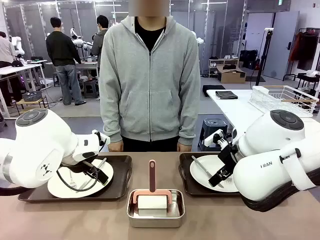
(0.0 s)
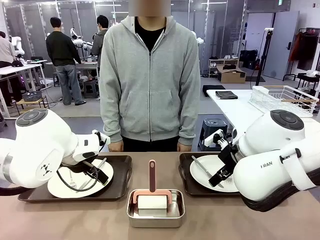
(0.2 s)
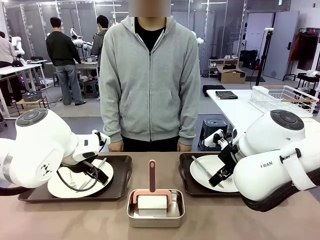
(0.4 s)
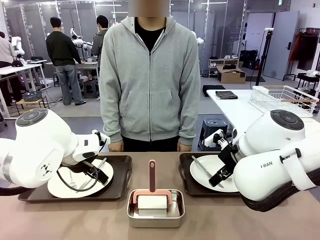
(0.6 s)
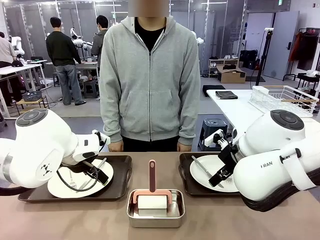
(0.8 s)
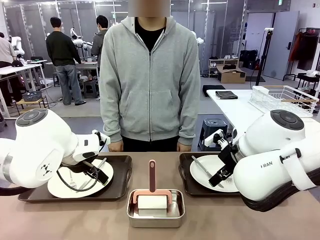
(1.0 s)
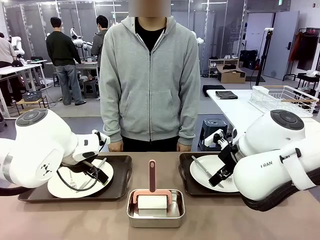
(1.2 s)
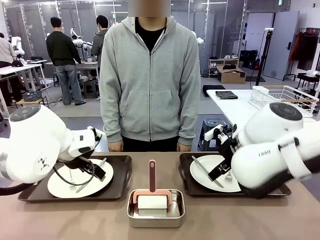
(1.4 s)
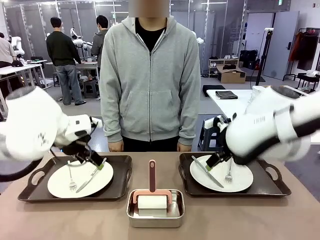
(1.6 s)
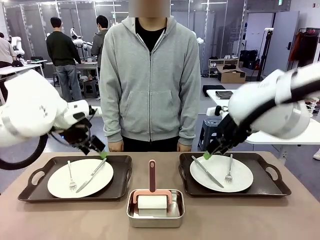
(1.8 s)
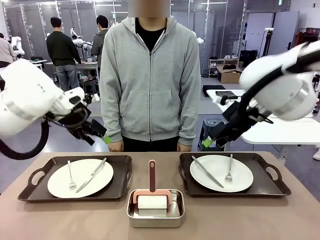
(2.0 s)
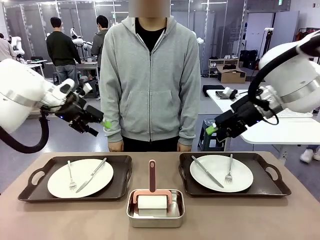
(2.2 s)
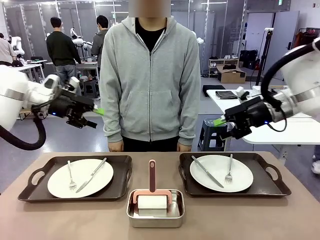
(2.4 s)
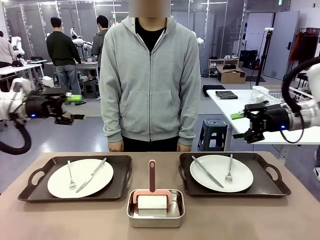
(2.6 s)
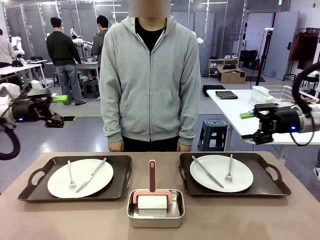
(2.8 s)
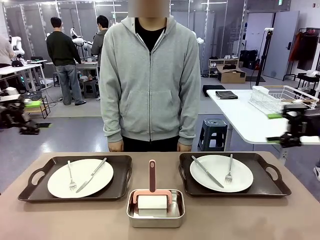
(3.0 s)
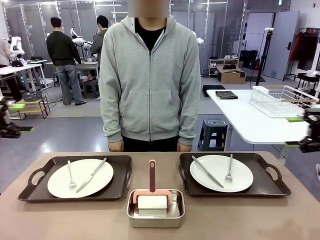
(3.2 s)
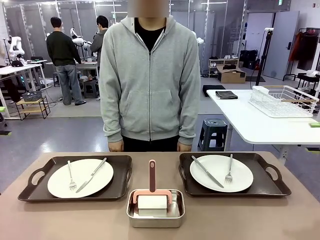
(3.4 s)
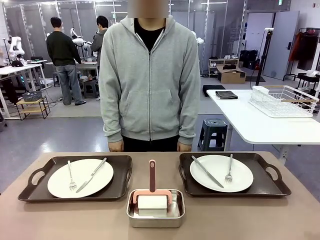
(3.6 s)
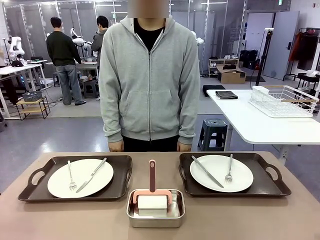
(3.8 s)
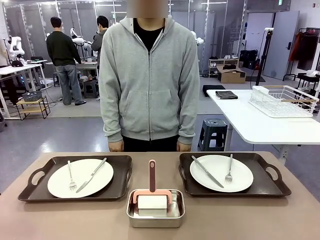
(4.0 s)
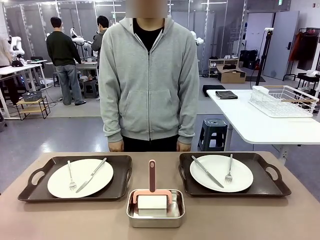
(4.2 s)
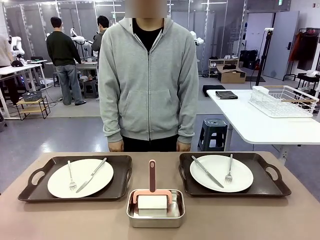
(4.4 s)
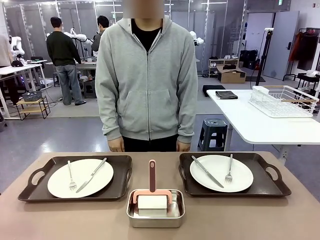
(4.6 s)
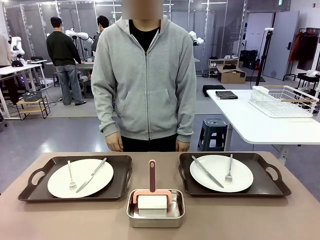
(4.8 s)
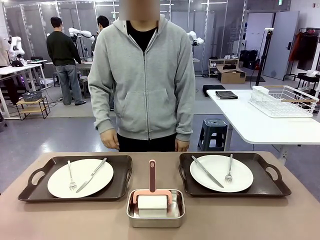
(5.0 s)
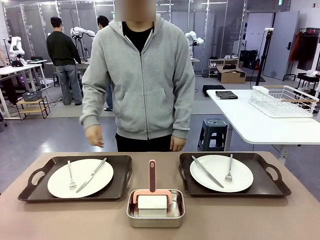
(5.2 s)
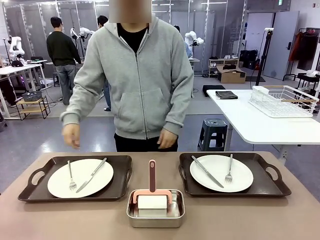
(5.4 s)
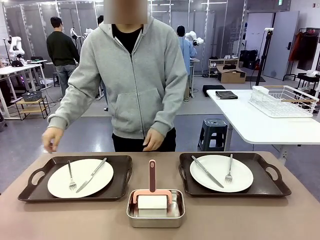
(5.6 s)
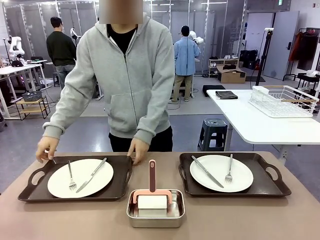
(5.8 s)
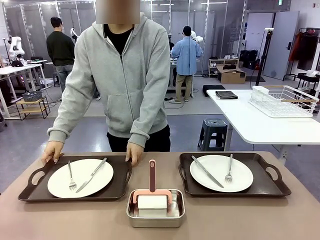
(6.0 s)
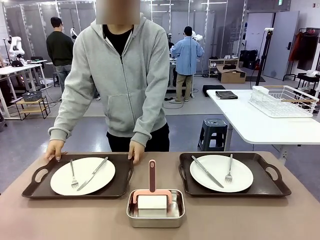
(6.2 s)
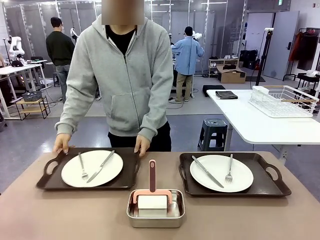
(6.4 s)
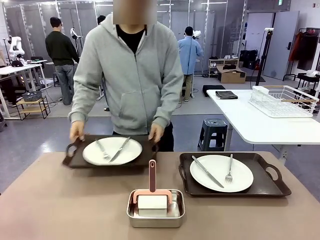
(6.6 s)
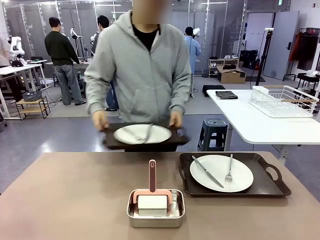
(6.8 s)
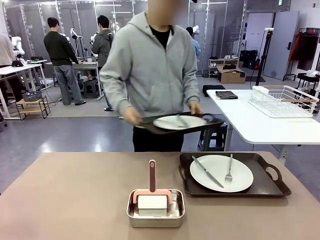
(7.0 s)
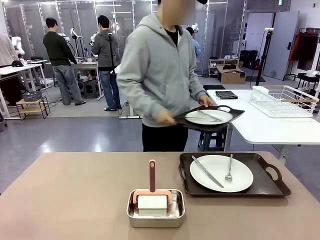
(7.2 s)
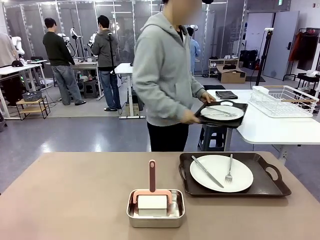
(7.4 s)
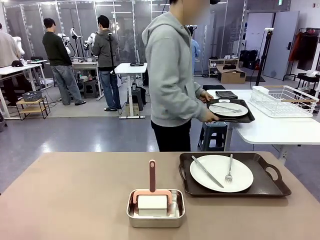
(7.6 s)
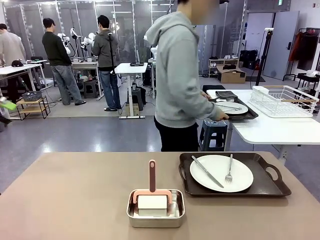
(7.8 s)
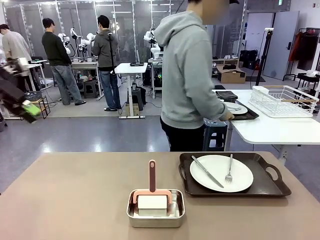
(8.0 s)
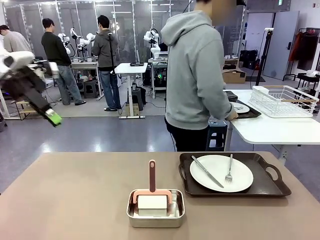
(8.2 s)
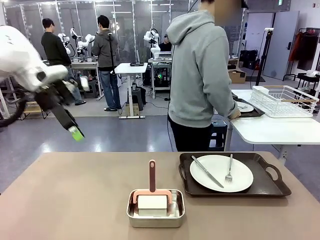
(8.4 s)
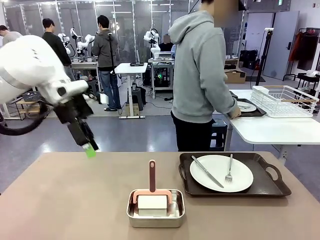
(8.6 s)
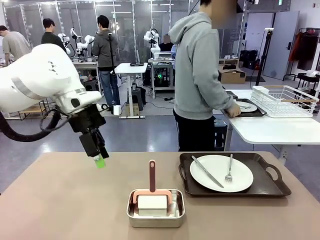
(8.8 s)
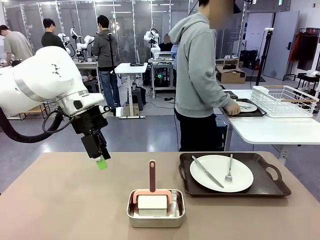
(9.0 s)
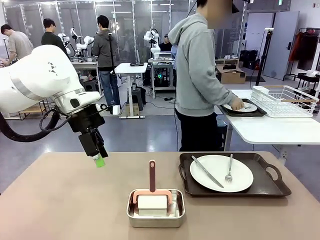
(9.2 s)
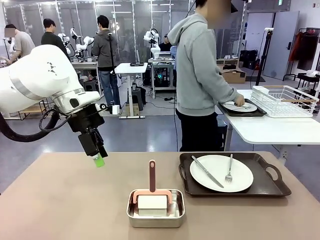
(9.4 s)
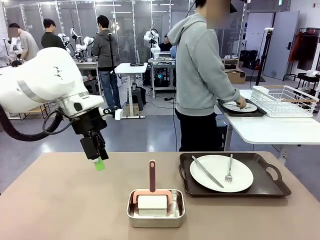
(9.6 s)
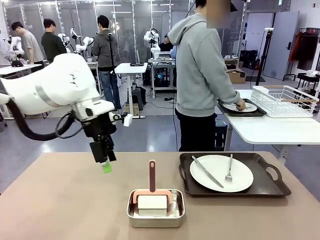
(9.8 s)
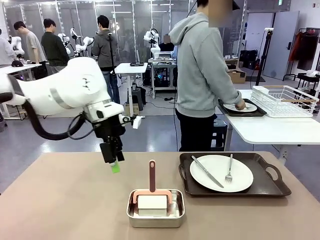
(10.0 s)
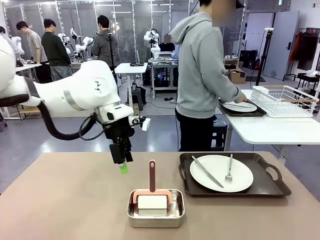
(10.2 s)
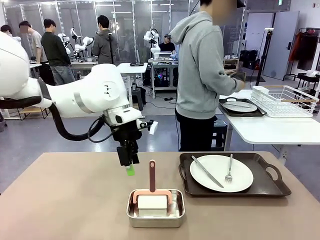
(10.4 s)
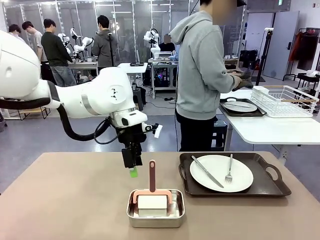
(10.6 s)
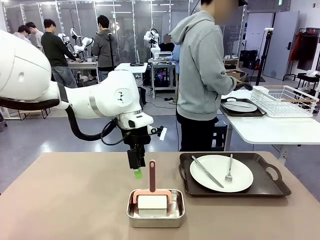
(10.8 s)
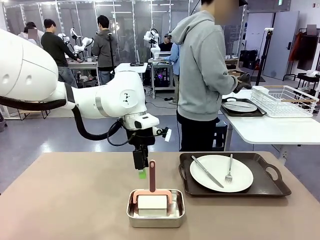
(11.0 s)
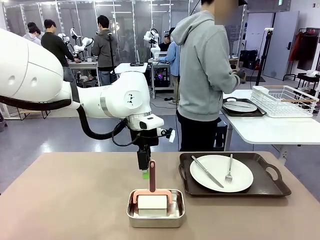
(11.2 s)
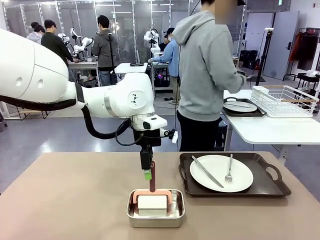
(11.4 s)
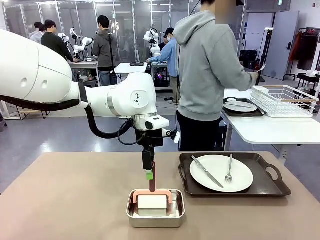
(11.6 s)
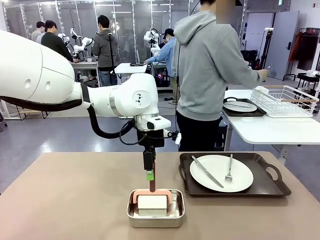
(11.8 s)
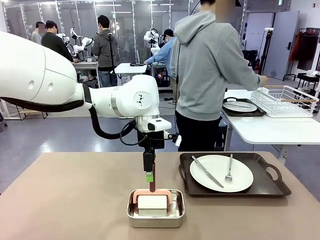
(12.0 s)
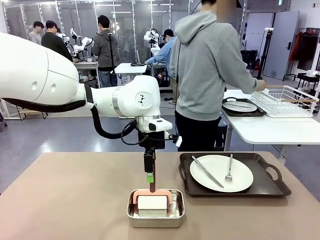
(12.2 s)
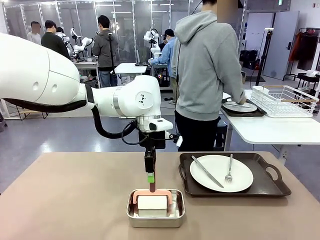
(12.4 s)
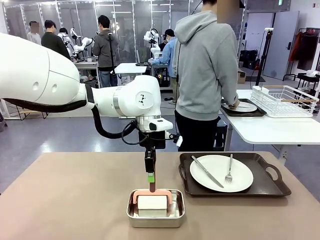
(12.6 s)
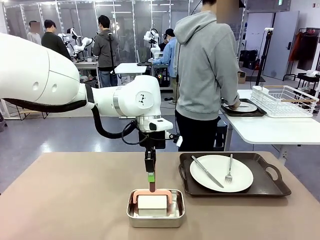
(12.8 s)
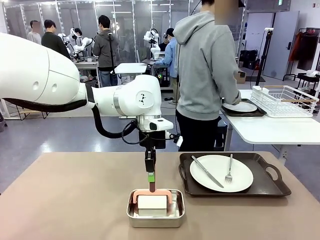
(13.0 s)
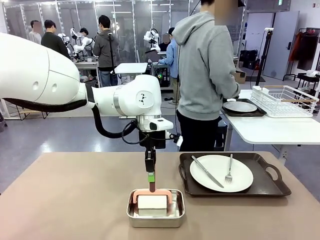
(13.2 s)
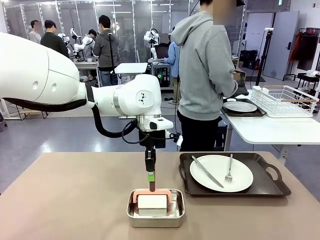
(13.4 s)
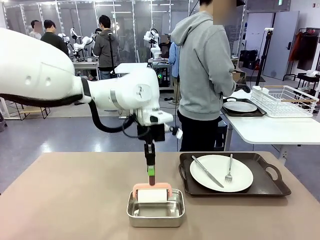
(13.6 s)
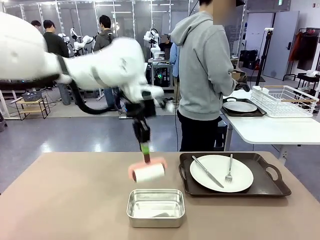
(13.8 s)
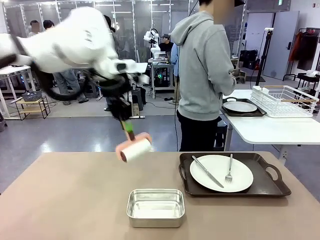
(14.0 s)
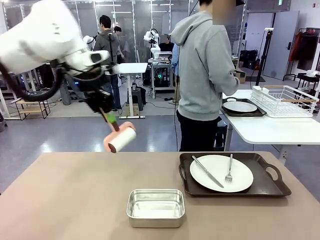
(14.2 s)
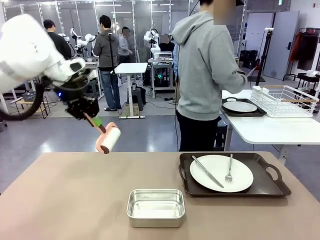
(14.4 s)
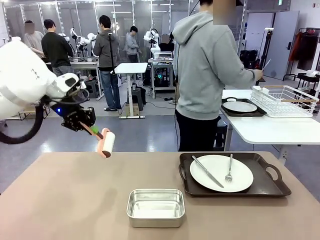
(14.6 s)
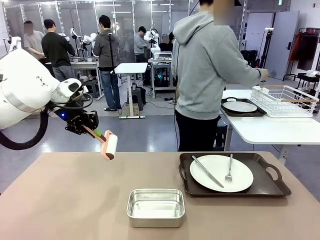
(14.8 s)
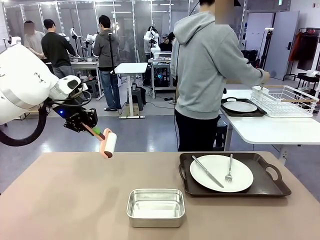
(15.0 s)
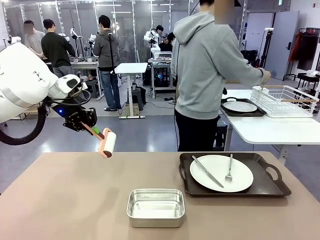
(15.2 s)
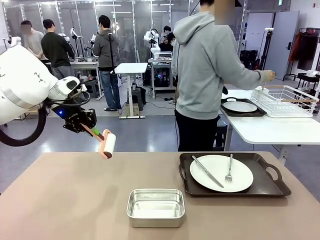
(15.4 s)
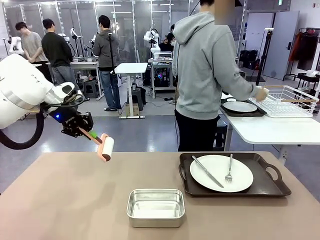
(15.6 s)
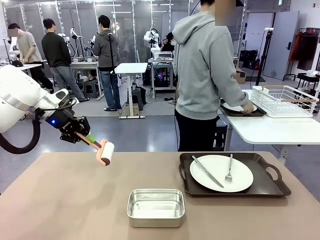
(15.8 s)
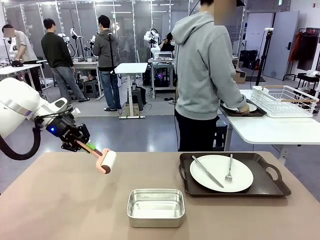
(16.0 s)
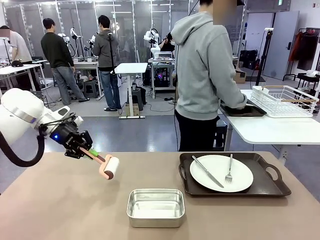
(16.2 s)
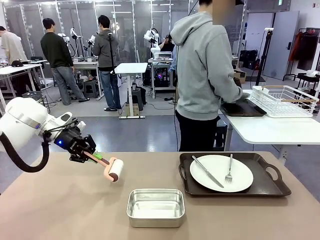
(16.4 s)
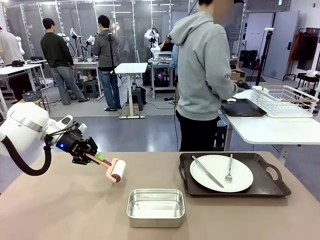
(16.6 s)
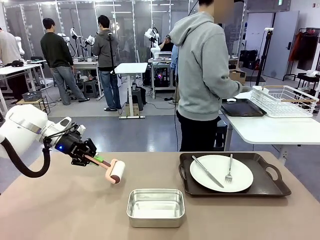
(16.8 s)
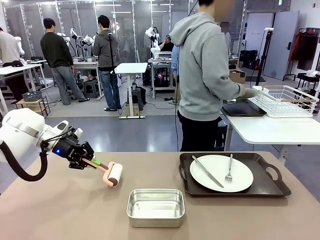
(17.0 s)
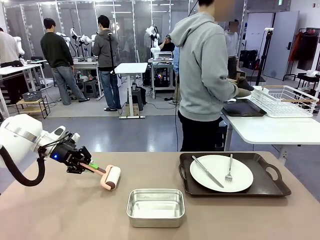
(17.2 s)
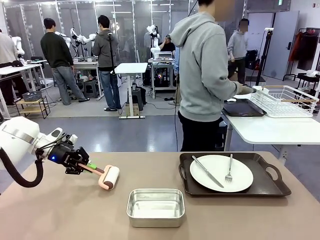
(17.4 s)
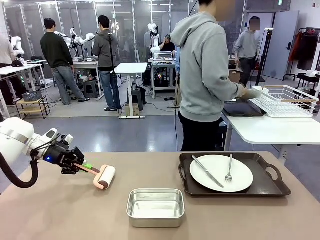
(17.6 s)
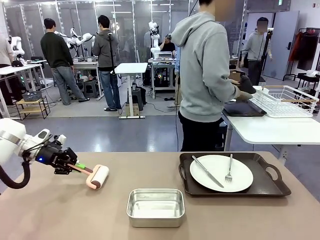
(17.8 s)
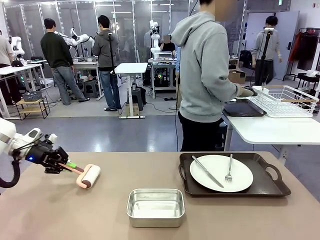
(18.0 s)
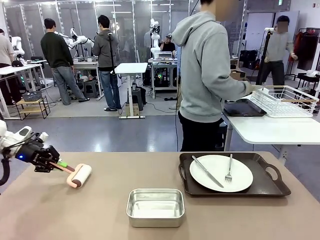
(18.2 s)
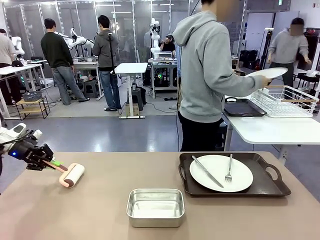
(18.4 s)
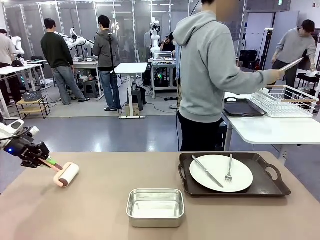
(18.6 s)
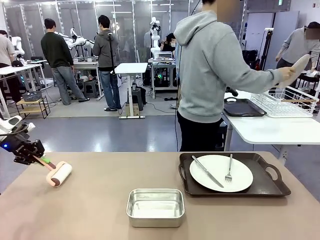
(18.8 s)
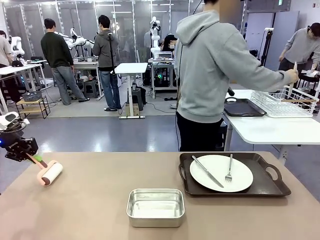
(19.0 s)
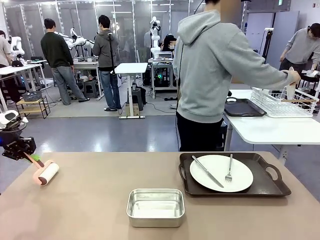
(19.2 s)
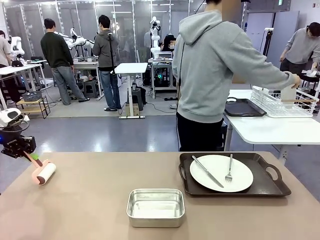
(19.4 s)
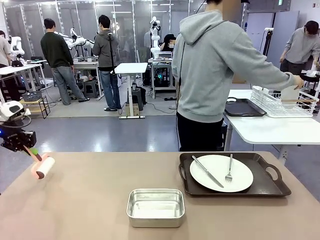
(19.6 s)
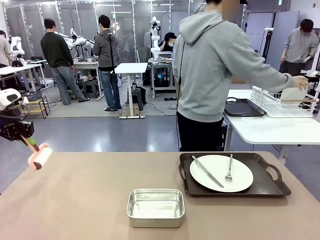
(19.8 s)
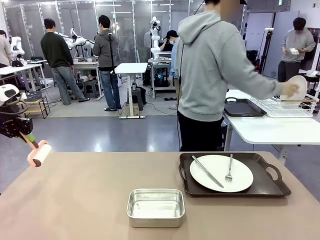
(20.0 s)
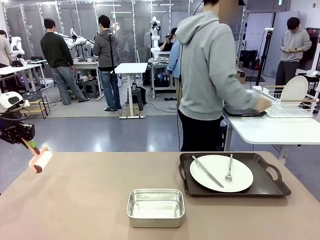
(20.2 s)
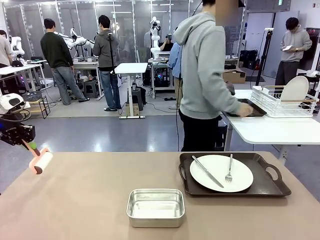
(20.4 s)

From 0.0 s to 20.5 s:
Robot: When the left (or right) Handle tray is removed, use the left hand (or right hand) to clean the left (or right) side of the table with the Lint Roller.
Person: Pick up the left (or right) Handle tray and place it on the middle of the Human's table. Use the Towel with hook to wipe the Plastic Matte Plate , Fork , and Knife and place into the Dish drying rack.
